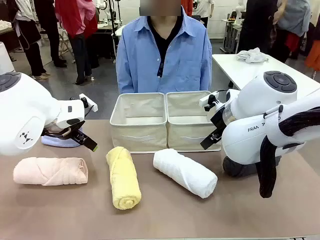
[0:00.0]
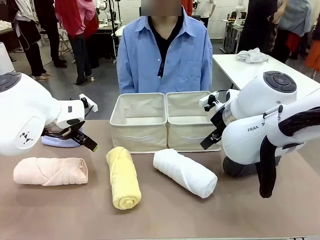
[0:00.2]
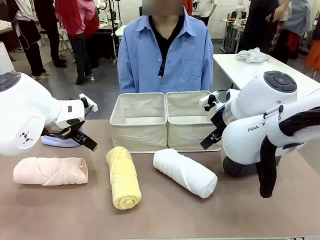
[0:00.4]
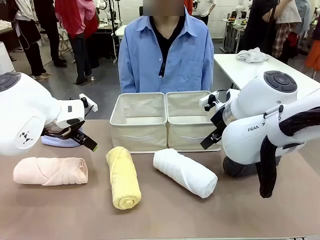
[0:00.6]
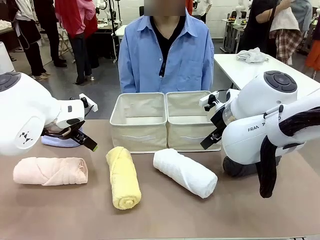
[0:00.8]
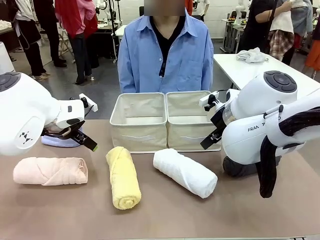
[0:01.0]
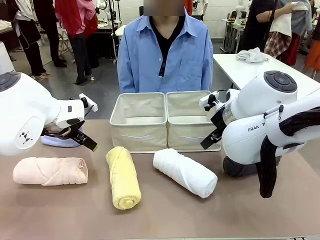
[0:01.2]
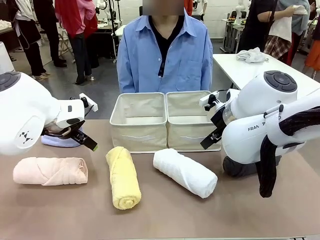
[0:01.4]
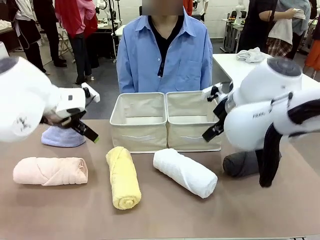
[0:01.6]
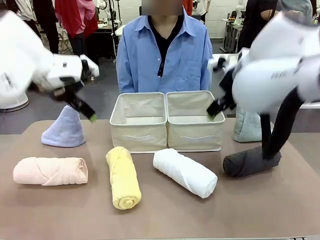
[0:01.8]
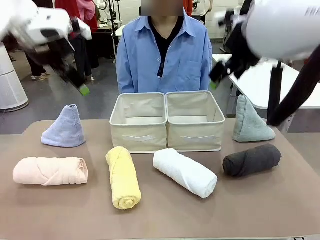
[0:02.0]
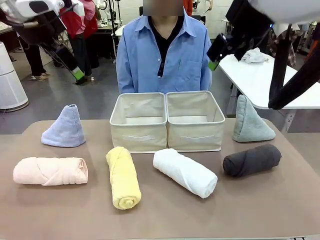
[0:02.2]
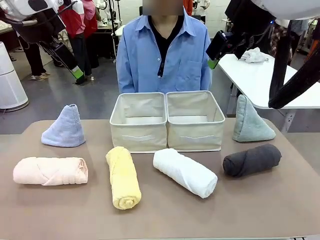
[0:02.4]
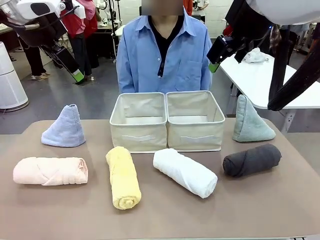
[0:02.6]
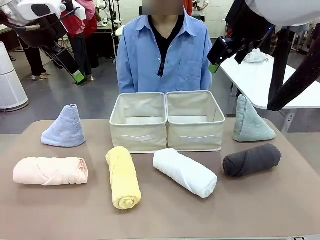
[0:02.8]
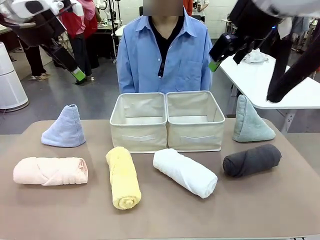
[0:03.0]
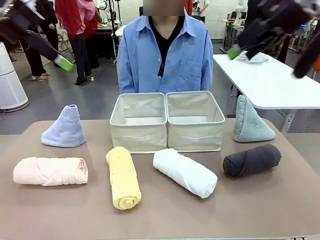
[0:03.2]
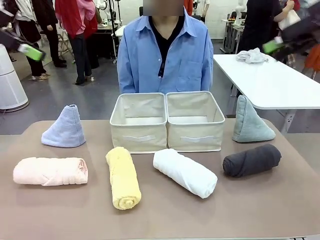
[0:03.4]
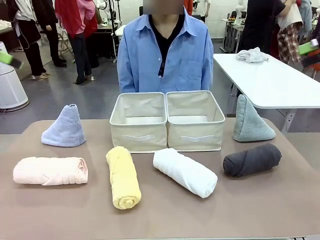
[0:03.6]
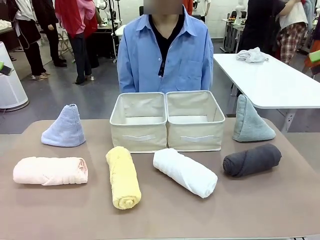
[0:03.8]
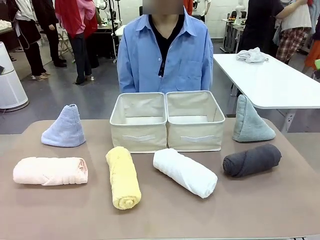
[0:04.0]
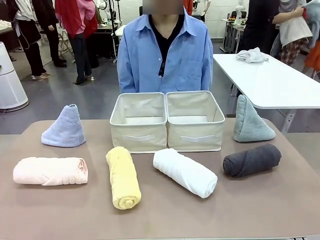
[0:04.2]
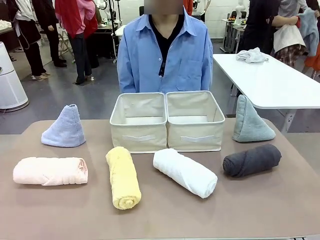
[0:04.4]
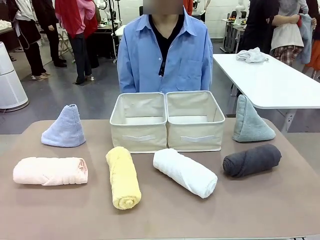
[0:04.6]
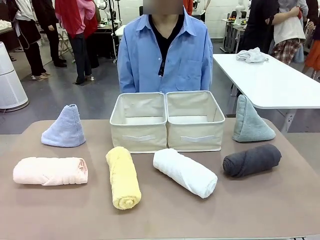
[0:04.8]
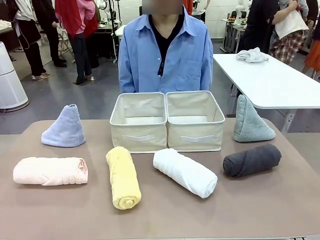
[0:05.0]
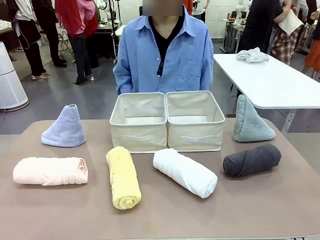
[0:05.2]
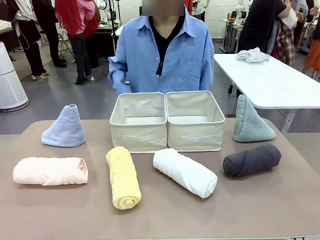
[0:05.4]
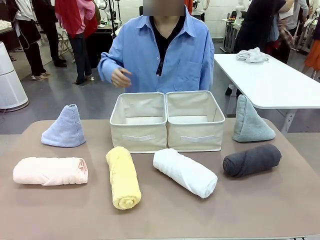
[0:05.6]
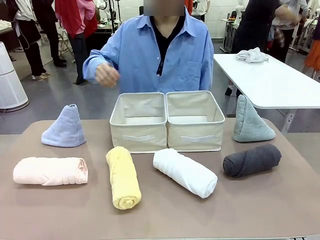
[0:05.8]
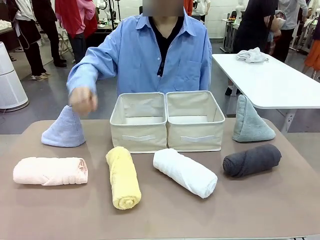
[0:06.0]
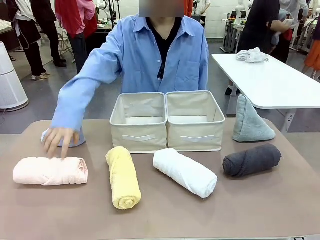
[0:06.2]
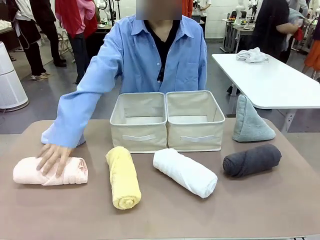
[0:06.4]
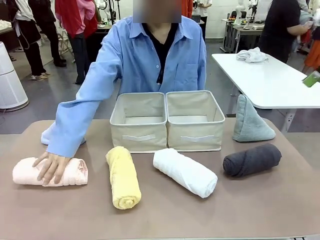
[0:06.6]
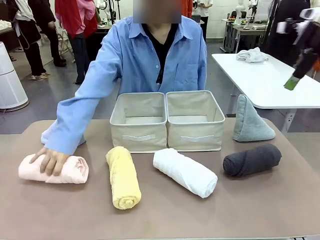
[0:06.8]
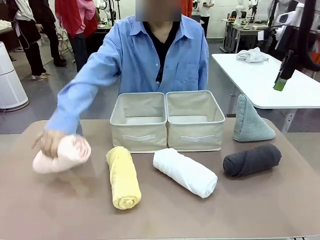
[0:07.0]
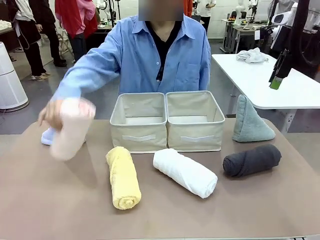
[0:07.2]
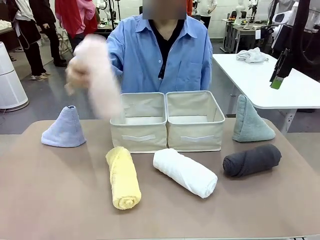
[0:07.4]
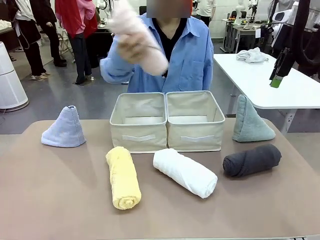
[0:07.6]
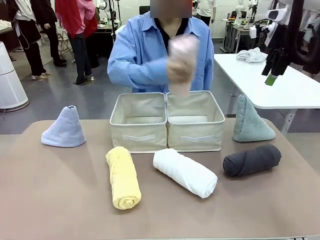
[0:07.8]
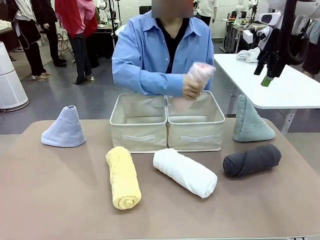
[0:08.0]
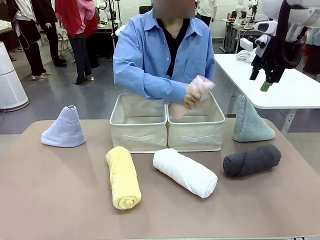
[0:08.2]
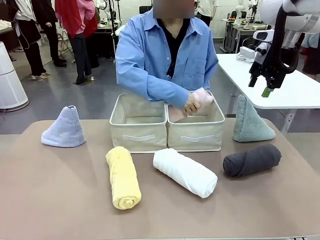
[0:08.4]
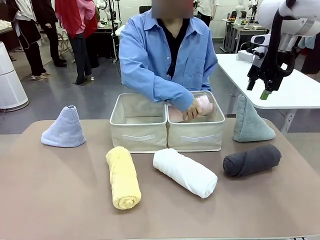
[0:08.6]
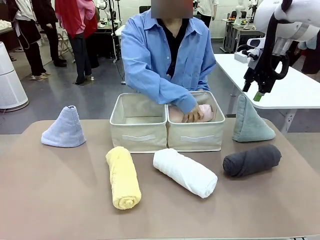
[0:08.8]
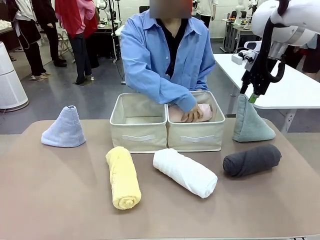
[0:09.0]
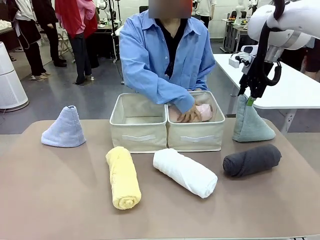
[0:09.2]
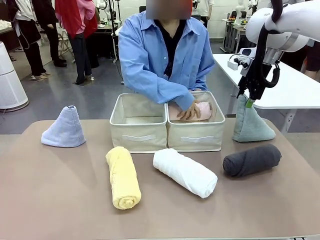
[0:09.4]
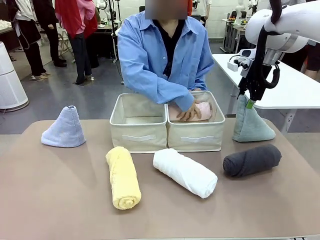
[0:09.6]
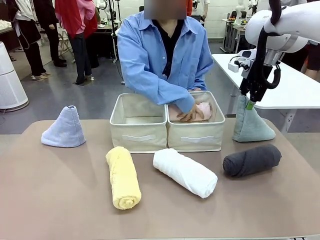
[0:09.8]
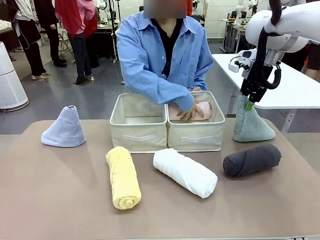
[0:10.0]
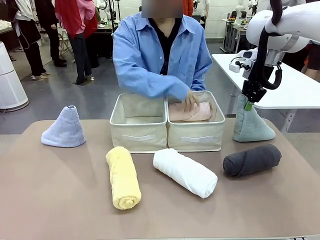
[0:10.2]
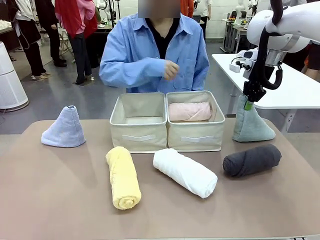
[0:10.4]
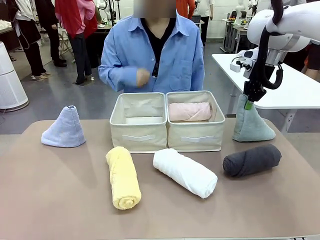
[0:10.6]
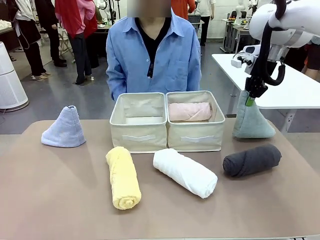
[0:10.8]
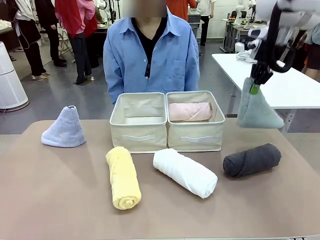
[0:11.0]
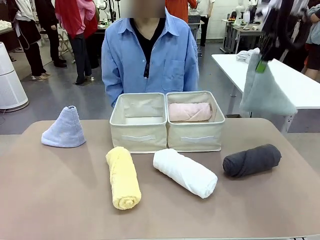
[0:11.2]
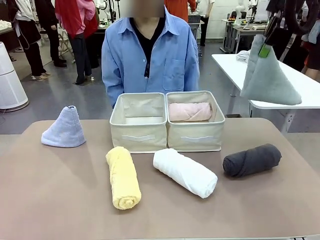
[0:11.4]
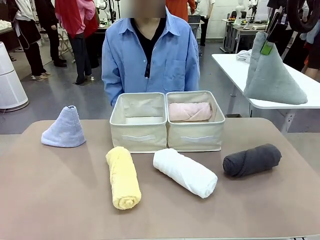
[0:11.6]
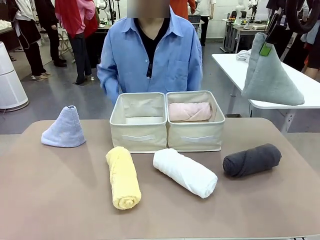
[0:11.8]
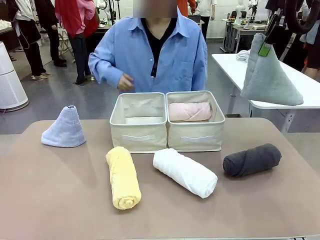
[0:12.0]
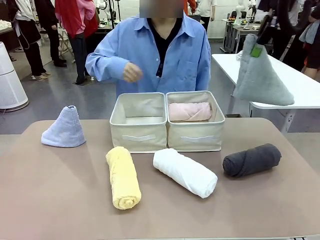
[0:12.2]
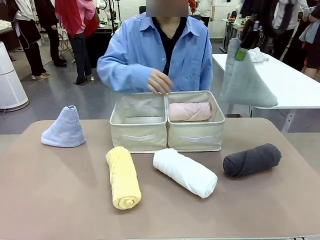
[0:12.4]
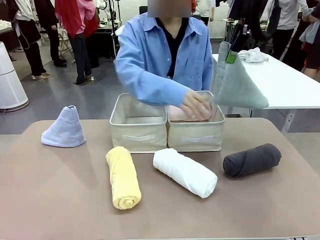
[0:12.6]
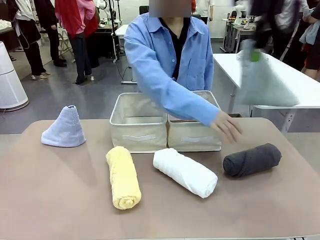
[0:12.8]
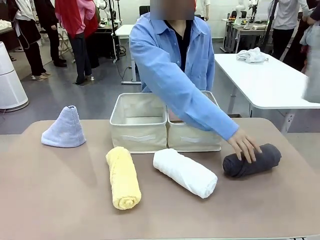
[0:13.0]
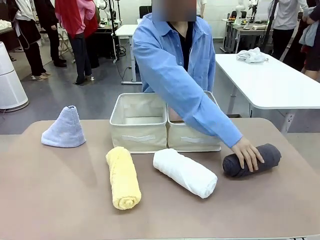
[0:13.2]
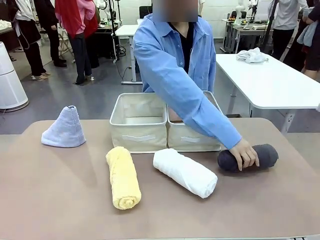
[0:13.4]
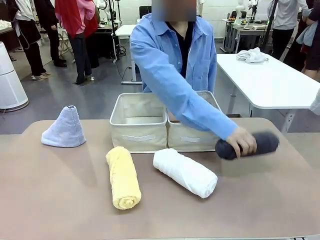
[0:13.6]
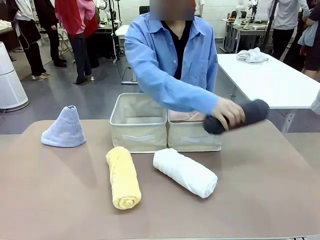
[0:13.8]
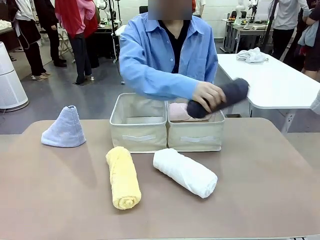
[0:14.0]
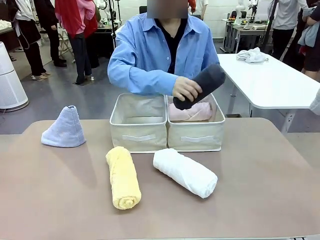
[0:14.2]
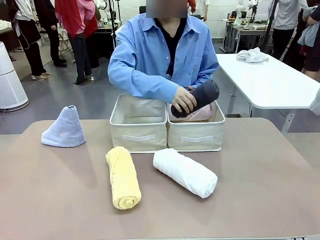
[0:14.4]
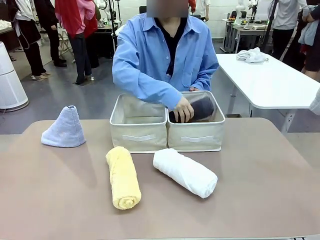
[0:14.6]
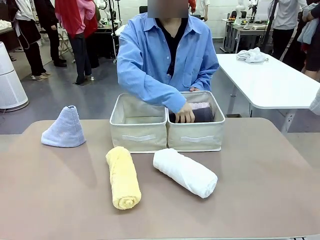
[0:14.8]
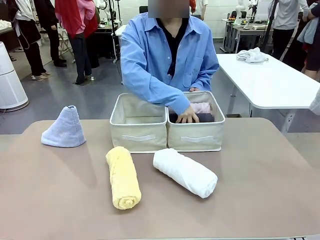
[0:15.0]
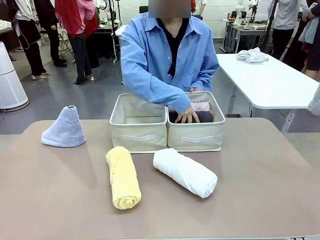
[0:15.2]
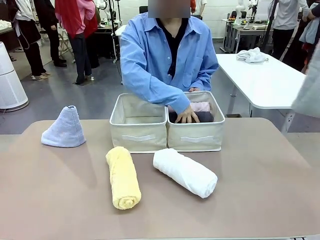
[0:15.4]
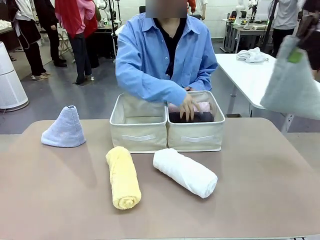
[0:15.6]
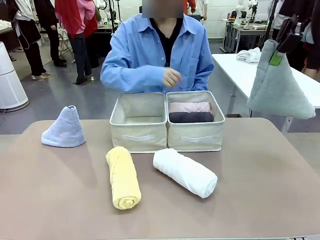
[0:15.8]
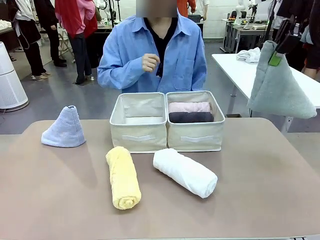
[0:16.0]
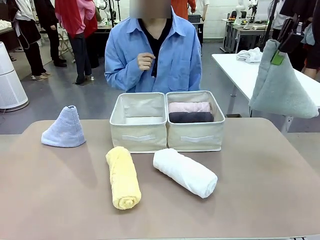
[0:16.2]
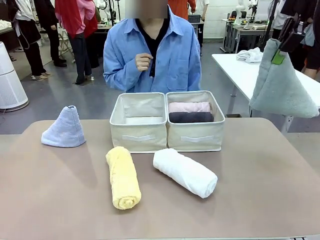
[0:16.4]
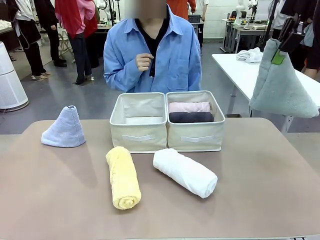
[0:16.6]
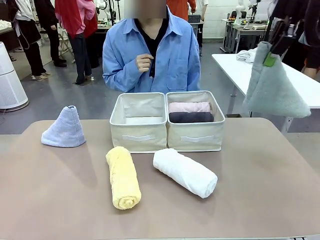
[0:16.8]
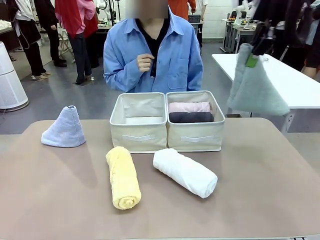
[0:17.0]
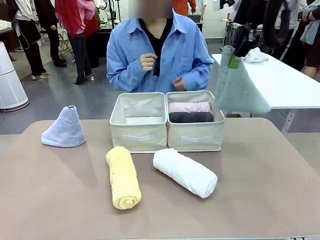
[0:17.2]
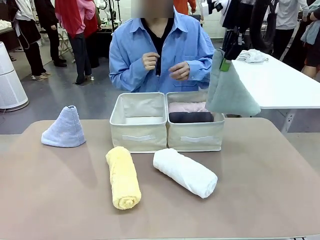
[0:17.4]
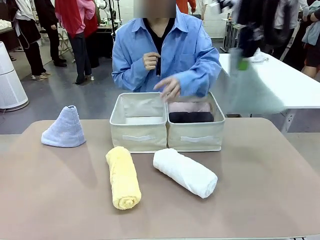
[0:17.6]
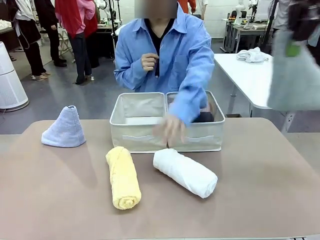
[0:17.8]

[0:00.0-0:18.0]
Task: Sort the towels based on their folding style.
Robot: Pick up one triangle-folded towel and place it in the left Fabric basket.
Person: Pick up one hotel-style rolled towel and place it in the left fabric basket.
